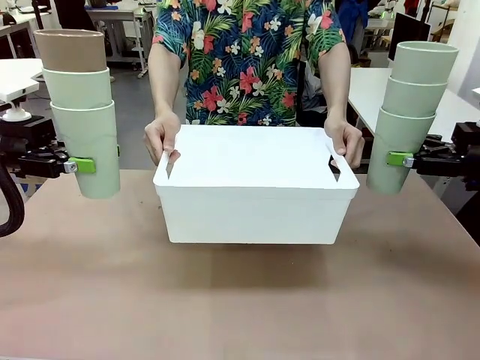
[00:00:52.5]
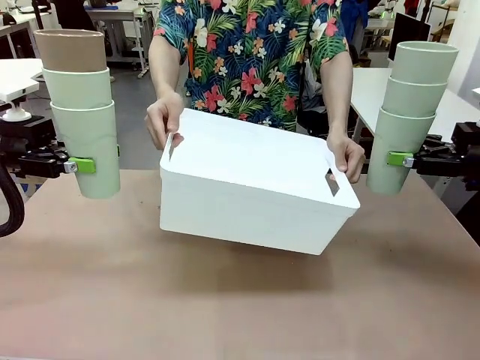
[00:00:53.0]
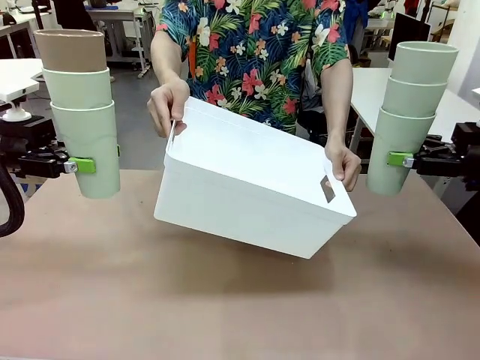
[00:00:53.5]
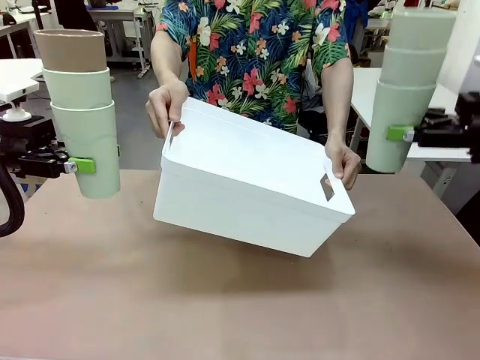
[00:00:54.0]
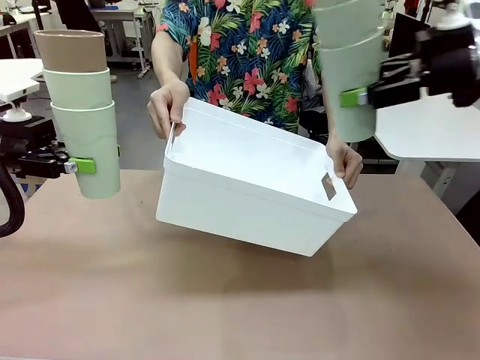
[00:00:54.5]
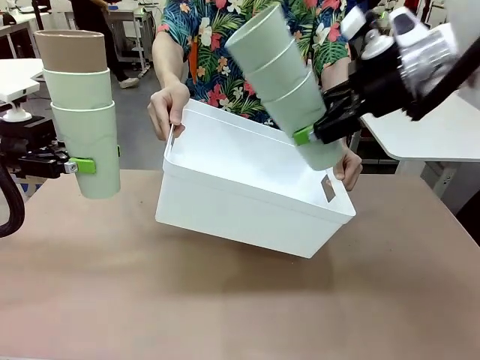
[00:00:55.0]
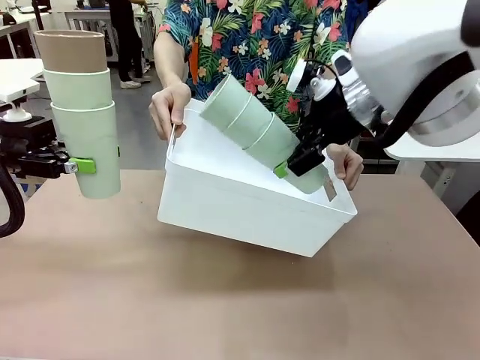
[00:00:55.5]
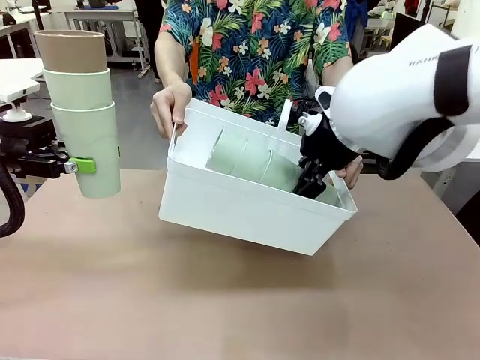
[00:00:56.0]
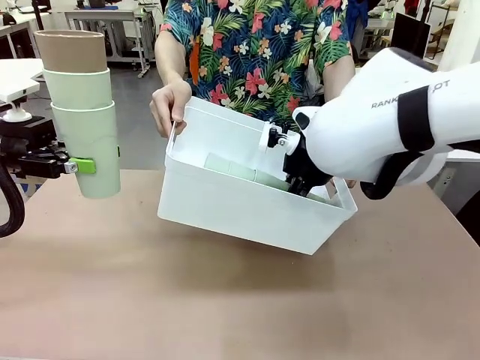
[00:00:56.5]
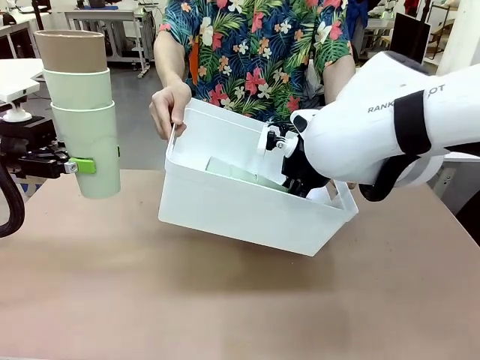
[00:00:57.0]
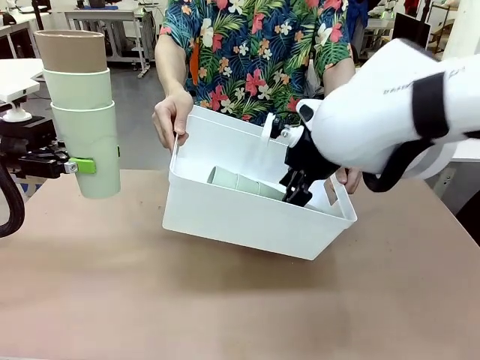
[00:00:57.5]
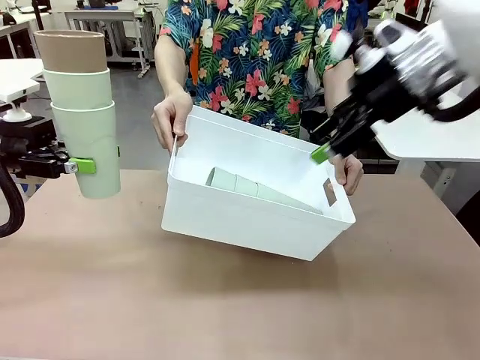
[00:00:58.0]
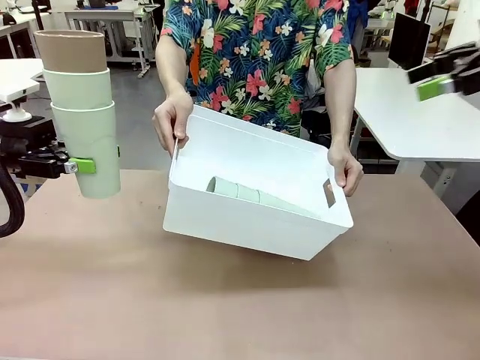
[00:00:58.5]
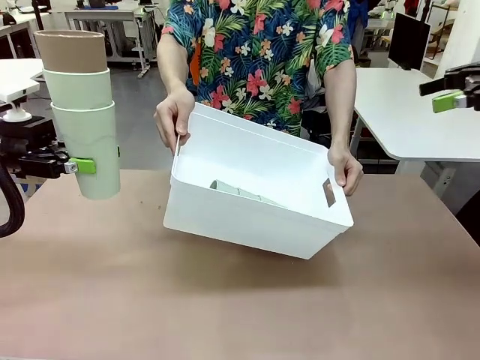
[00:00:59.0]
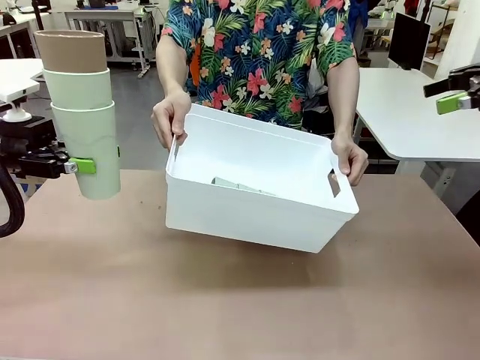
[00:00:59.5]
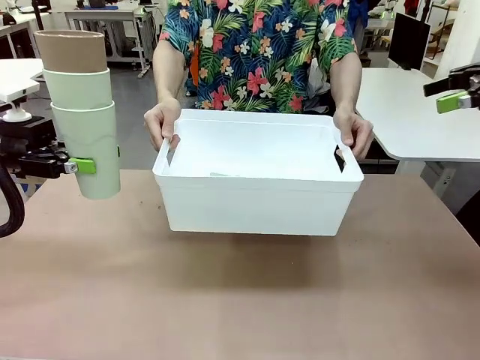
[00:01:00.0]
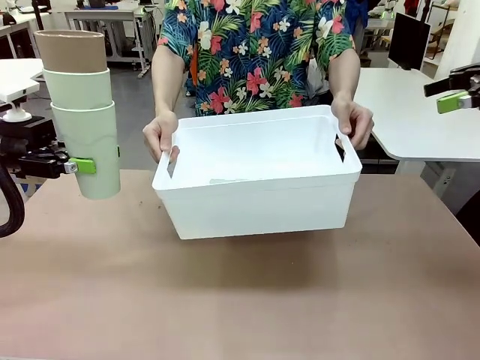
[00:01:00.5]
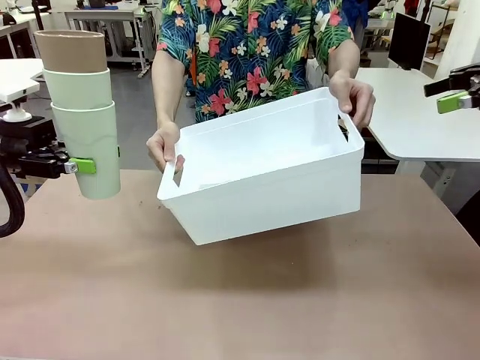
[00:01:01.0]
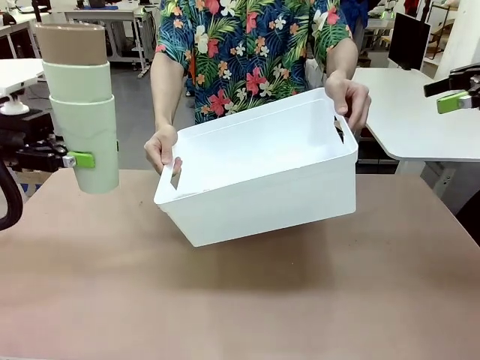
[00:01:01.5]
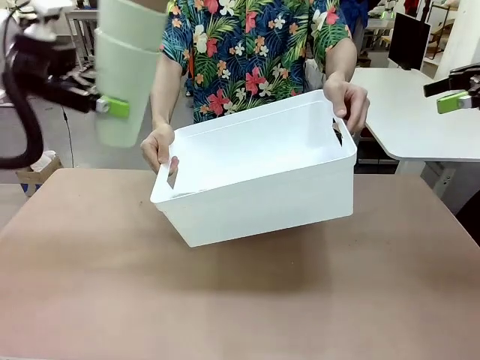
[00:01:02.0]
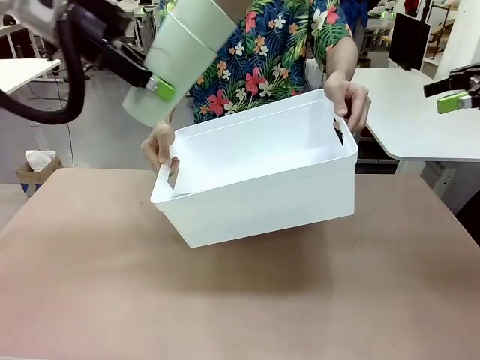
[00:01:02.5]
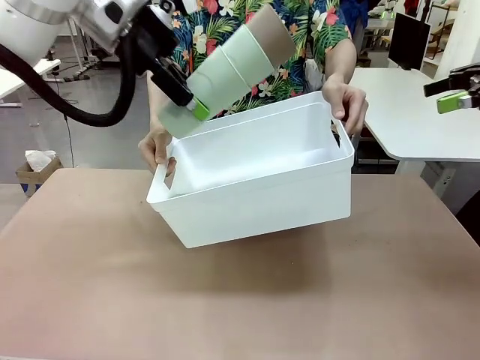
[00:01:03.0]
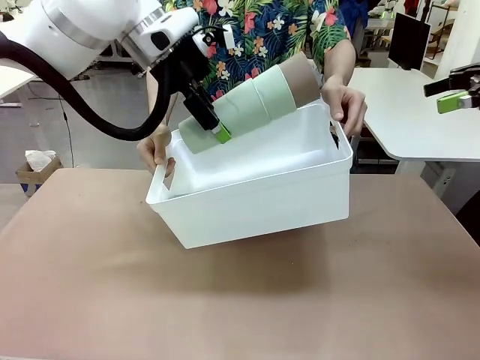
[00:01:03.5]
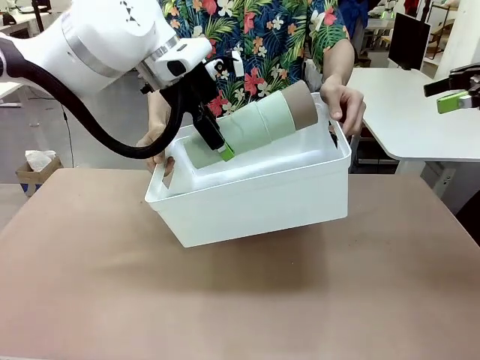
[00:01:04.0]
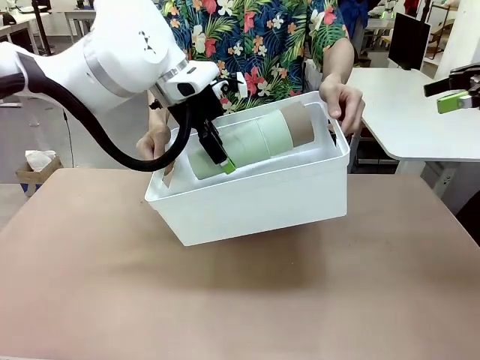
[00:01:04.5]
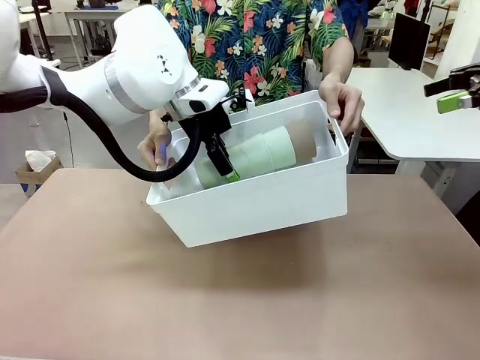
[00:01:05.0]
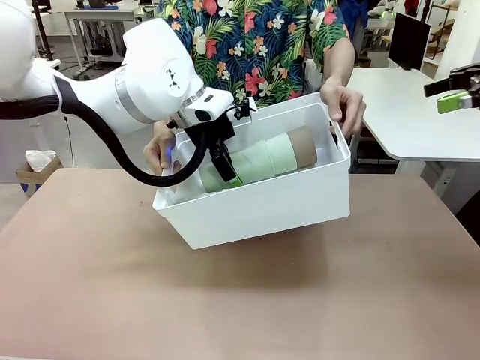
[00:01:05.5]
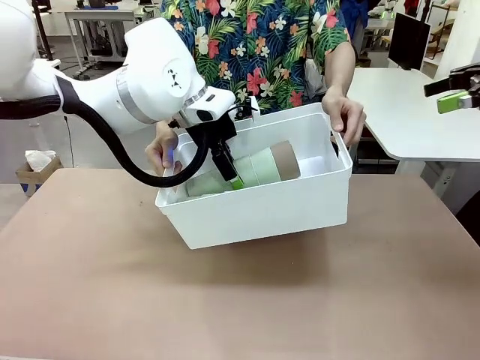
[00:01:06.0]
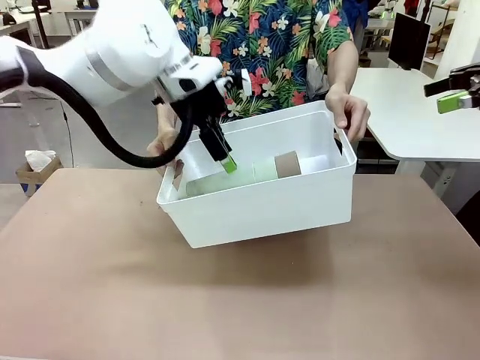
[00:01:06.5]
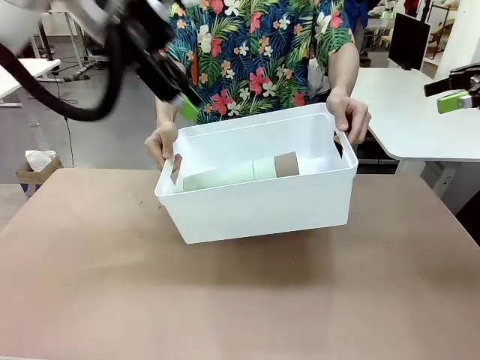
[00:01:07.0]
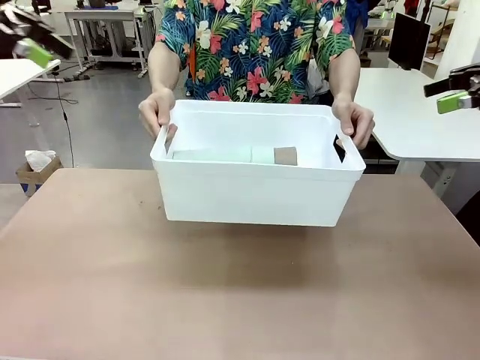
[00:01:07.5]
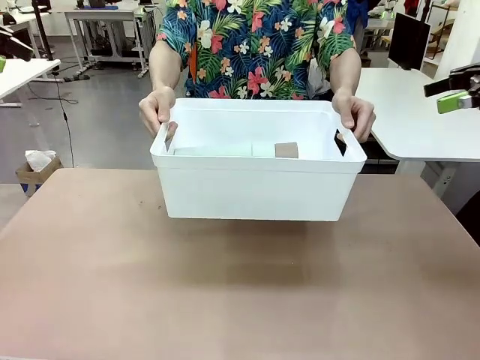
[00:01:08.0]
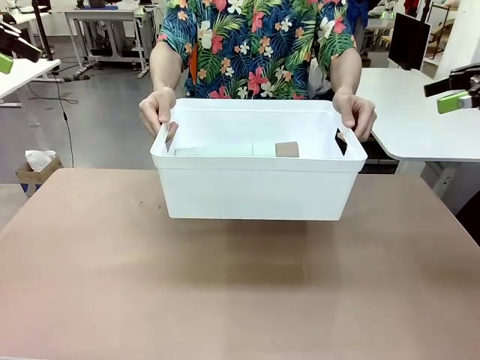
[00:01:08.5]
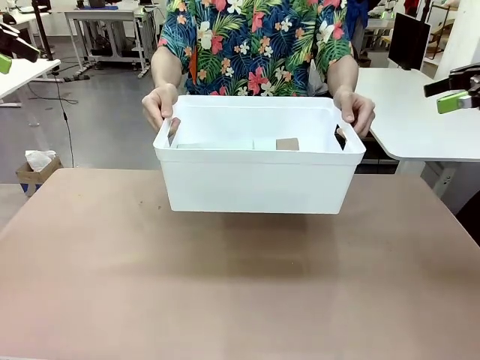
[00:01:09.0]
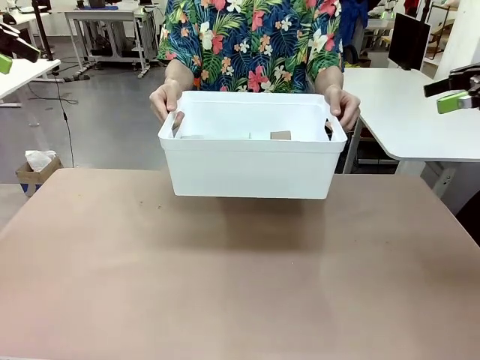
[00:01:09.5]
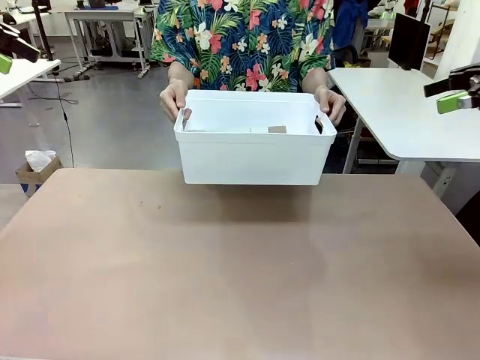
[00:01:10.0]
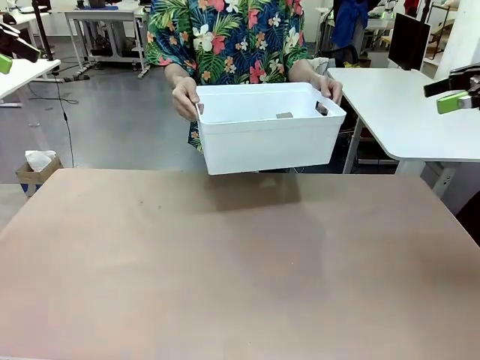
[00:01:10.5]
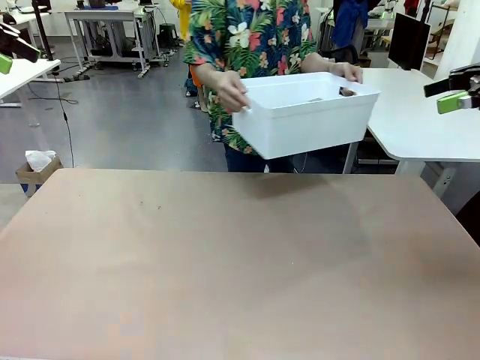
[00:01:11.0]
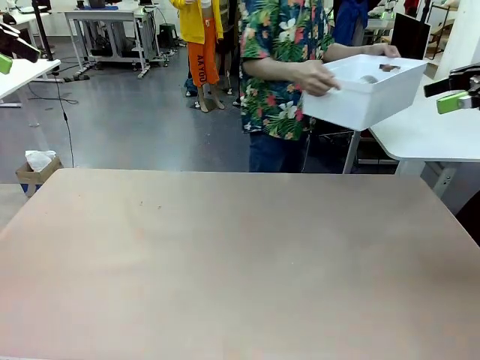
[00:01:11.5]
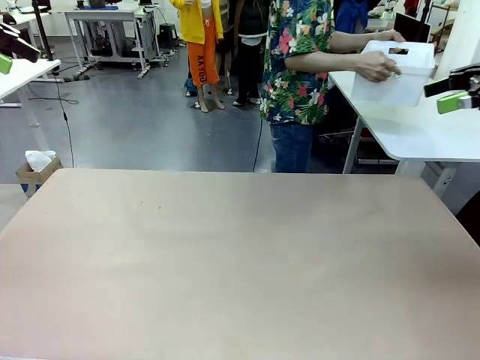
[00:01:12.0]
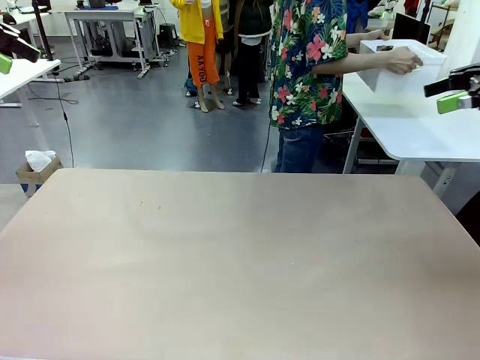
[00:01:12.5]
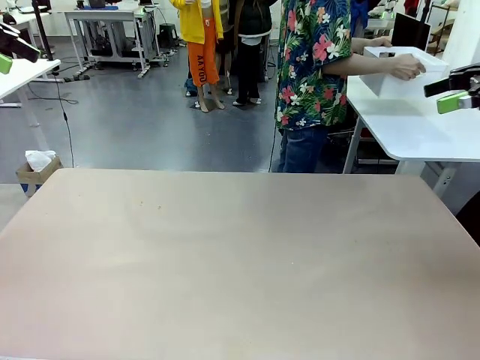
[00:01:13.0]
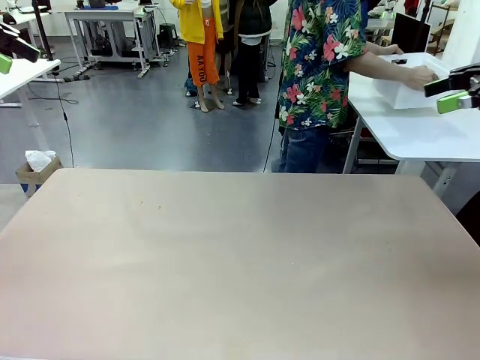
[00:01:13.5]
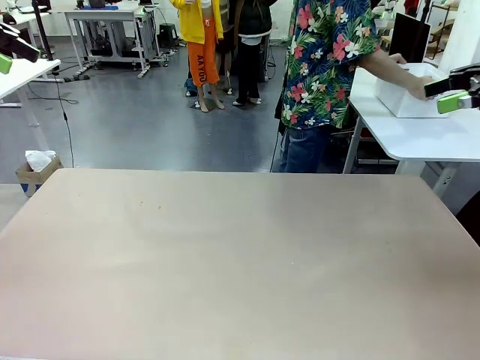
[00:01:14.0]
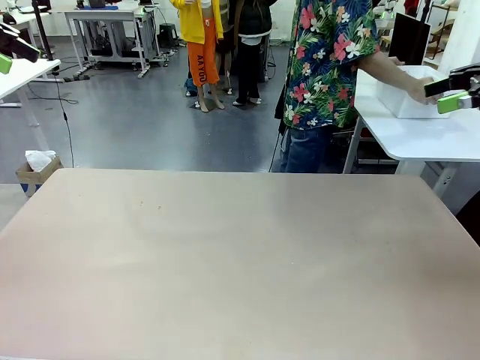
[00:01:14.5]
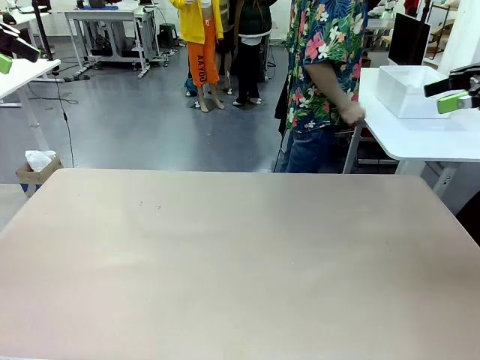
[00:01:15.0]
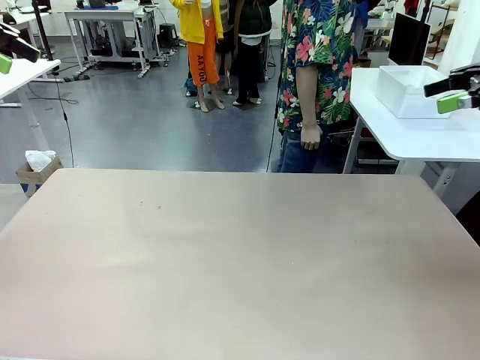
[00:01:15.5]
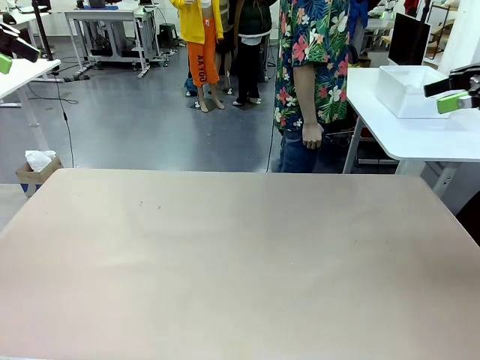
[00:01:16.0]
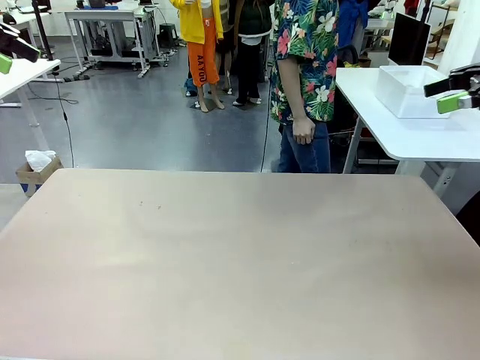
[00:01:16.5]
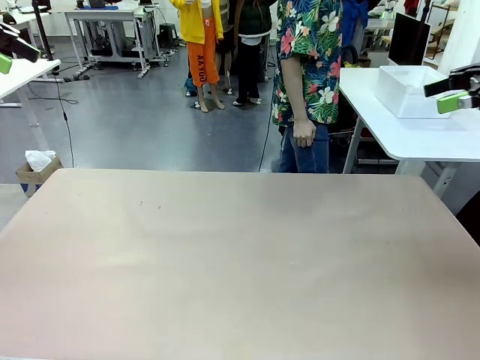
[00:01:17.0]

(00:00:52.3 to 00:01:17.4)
Task: Stack the cups and store them in the basket.
Robot: Place the stack of Reusable plastic cups into the Pantry Basket.
Person: Place the basket containing the cups in the middle of the Human Table.
